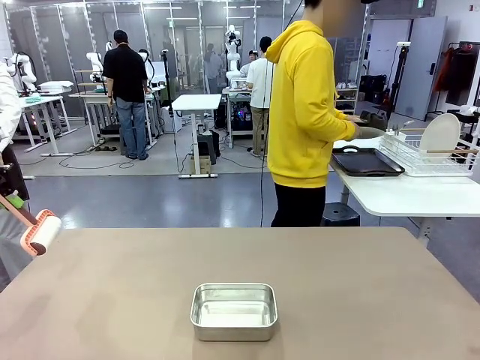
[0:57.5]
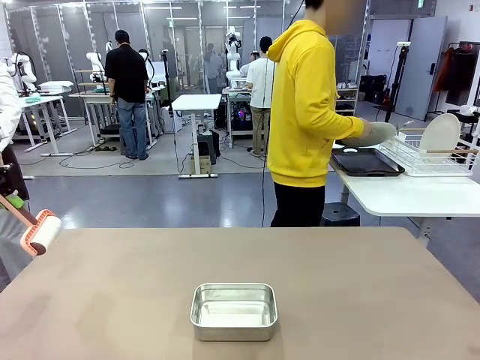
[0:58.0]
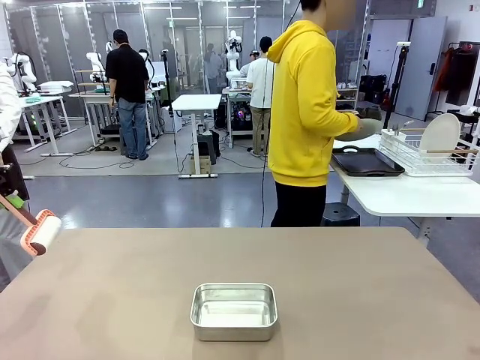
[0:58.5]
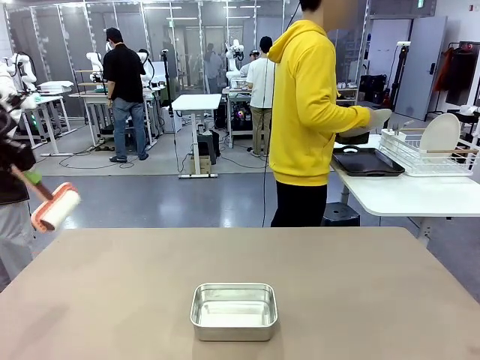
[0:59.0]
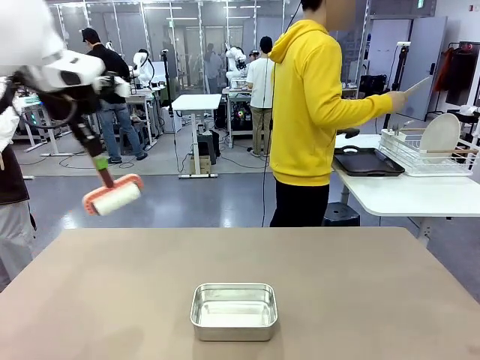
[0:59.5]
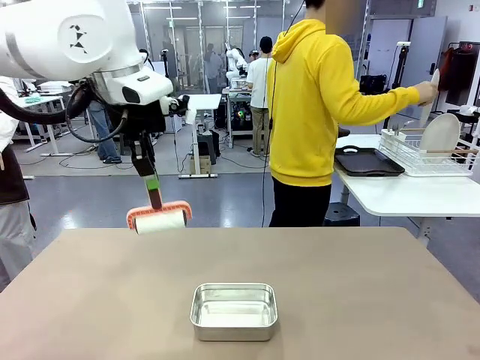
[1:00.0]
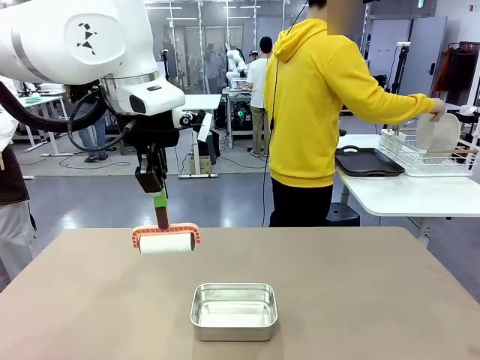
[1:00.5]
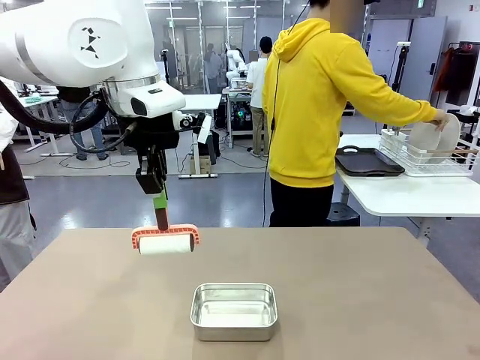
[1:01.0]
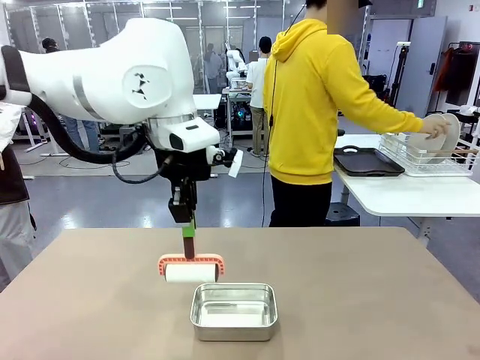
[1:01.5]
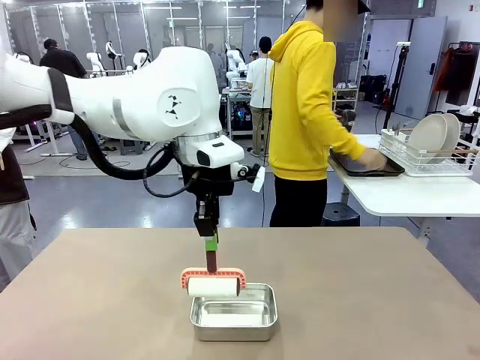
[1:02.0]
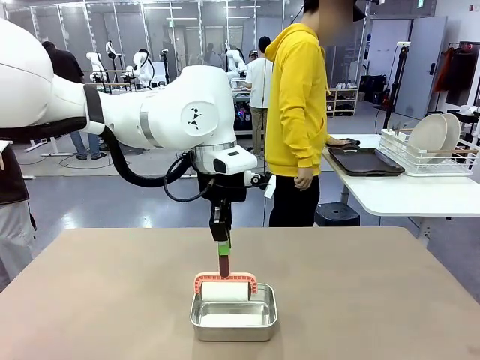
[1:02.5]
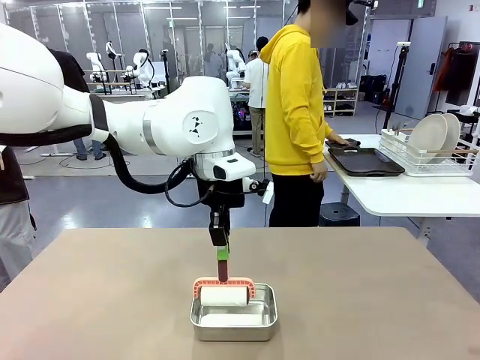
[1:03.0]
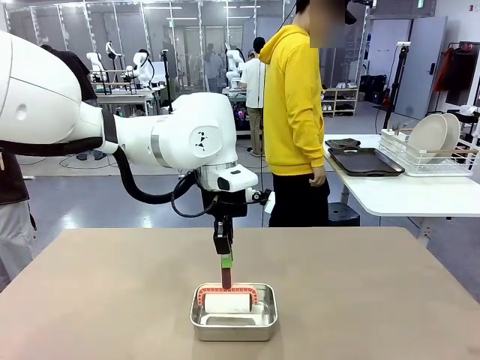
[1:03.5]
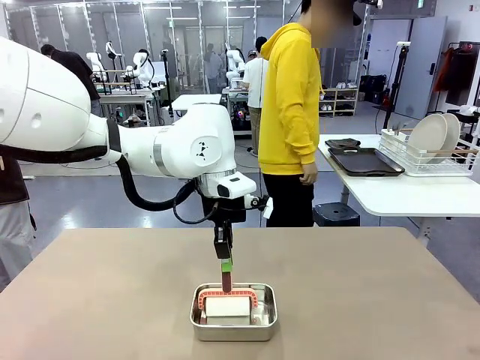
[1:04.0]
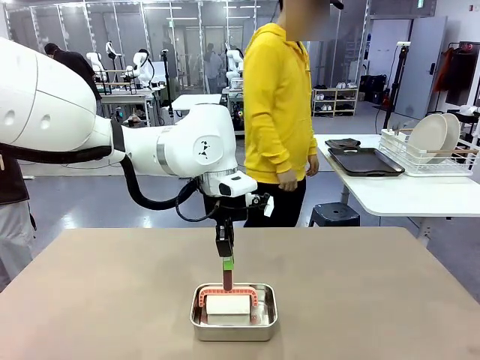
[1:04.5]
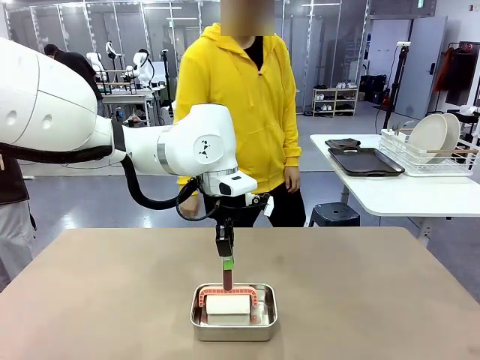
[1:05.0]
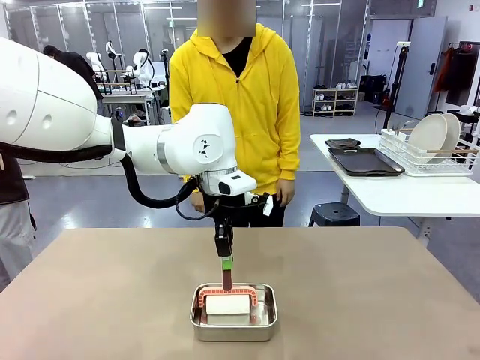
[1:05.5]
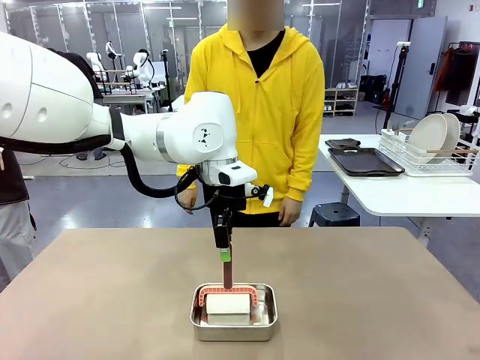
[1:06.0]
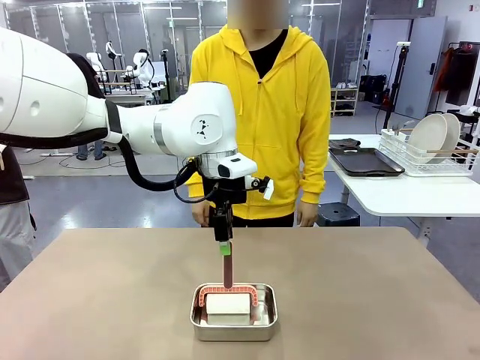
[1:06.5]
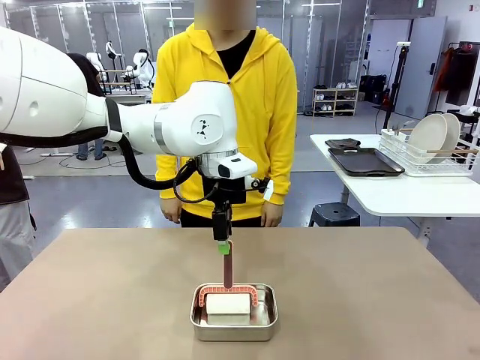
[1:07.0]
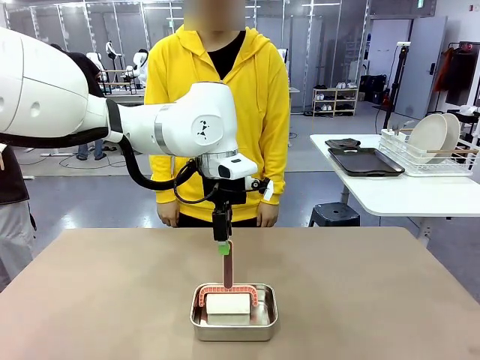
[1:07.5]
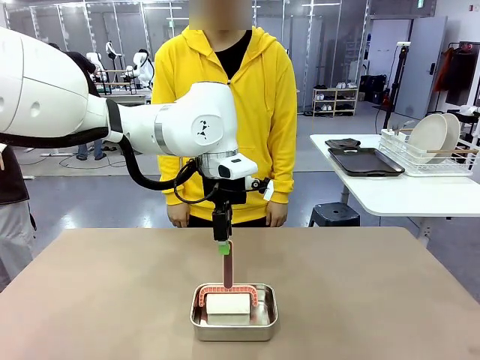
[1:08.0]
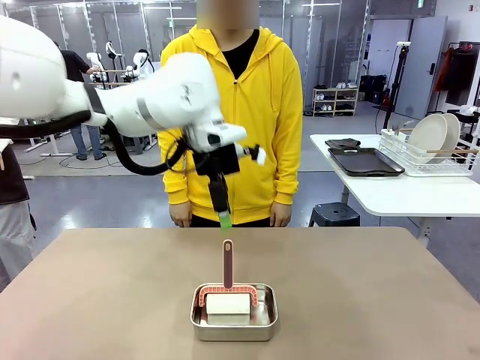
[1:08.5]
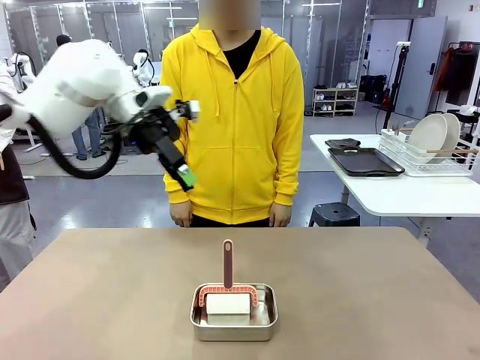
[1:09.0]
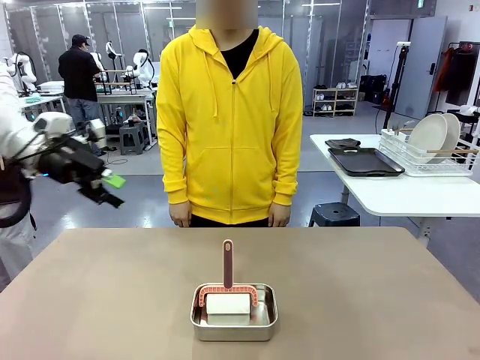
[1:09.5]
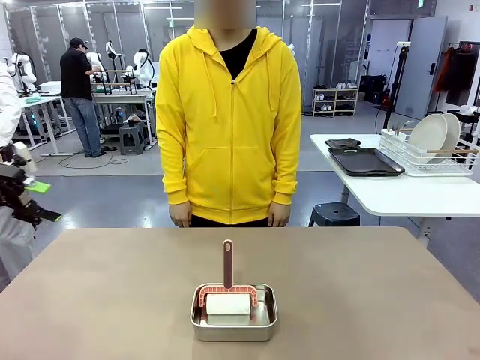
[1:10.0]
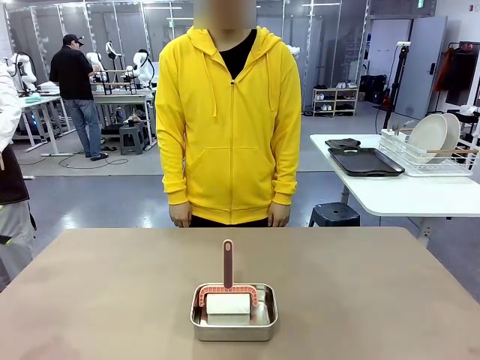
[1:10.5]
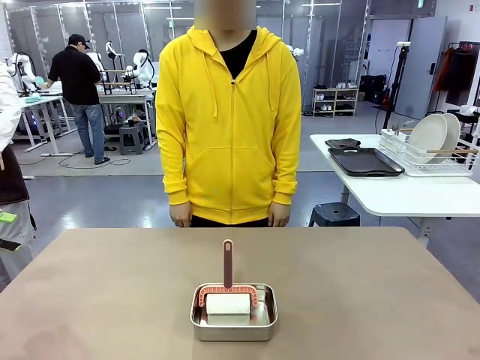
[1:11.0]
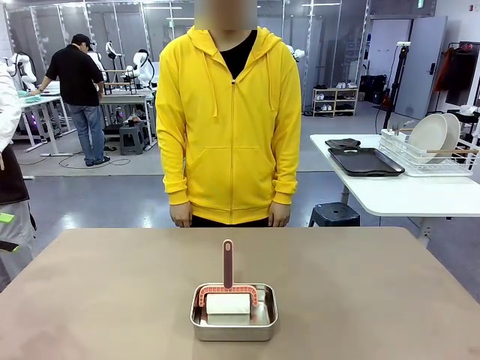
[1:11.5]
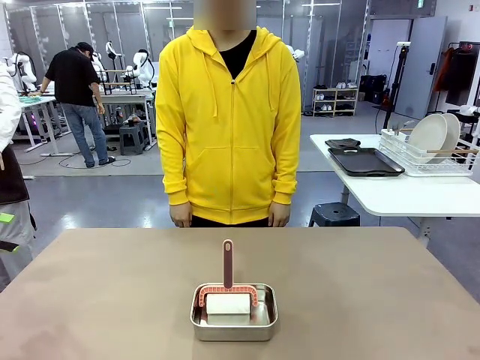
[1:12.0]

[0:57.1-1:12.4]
Robot: Place the Lint Roller back on top of the Airtight Container.

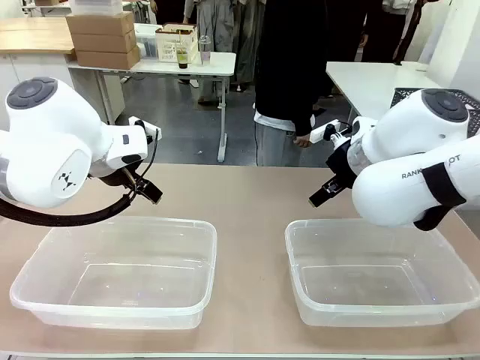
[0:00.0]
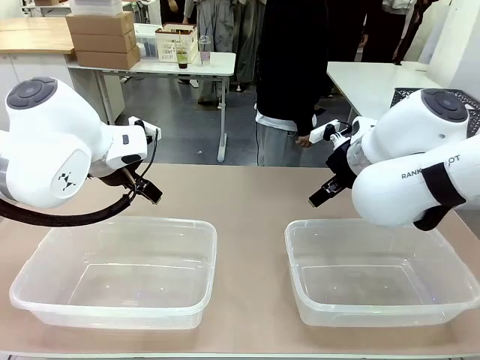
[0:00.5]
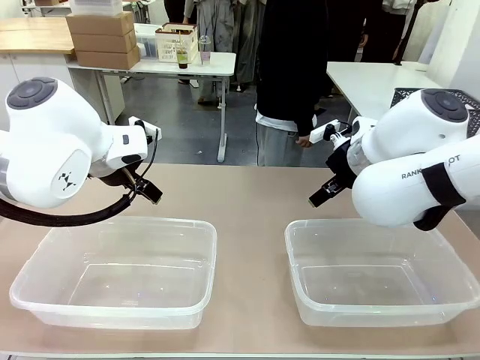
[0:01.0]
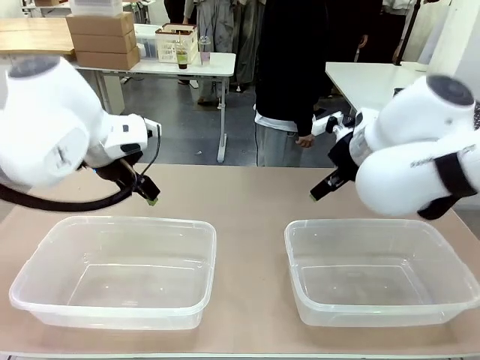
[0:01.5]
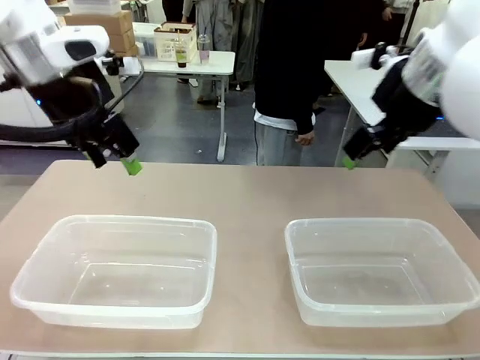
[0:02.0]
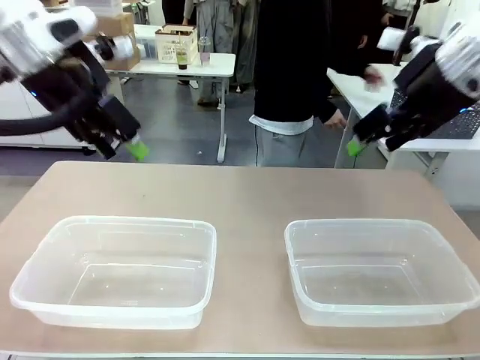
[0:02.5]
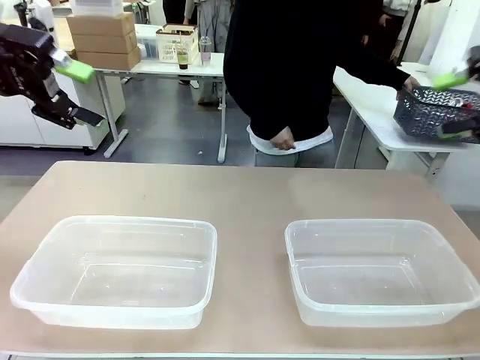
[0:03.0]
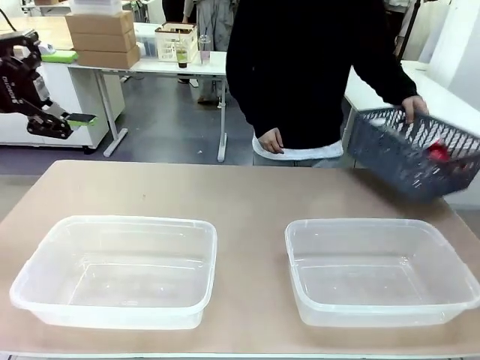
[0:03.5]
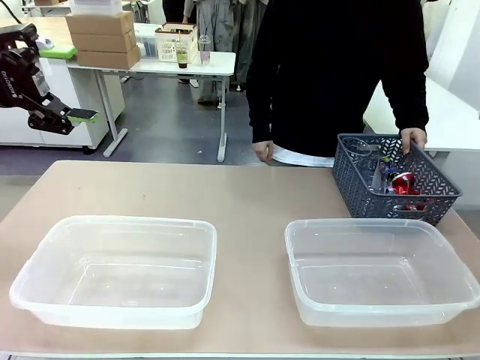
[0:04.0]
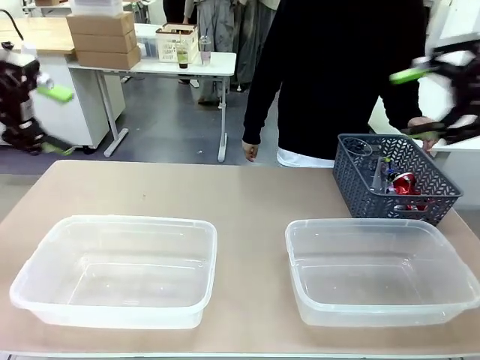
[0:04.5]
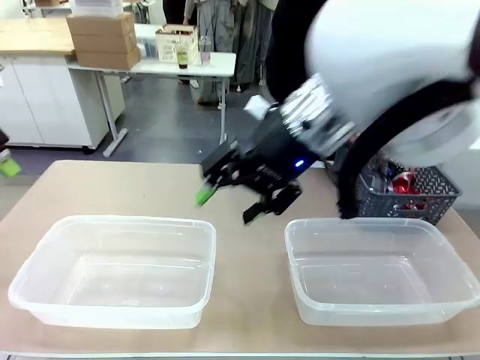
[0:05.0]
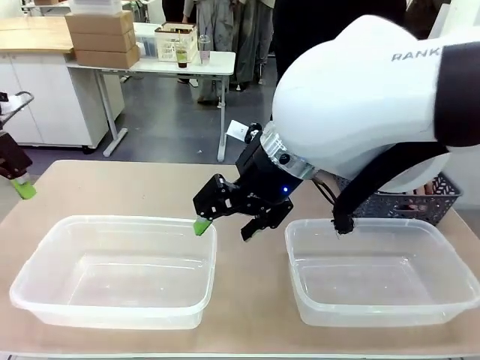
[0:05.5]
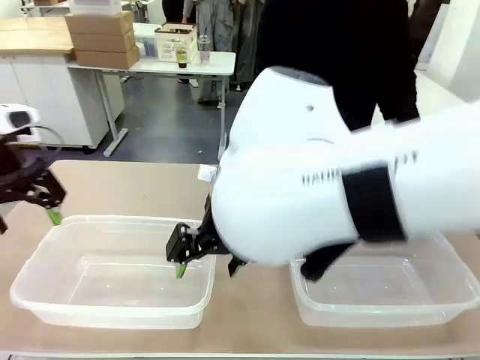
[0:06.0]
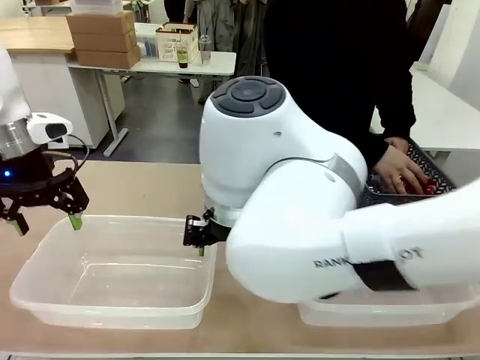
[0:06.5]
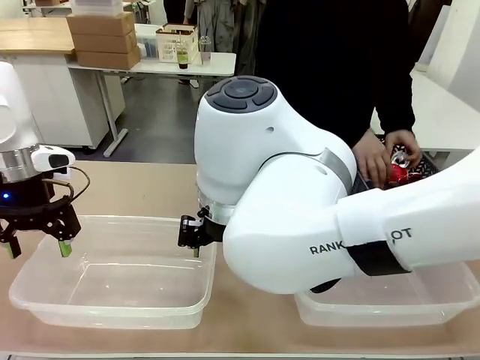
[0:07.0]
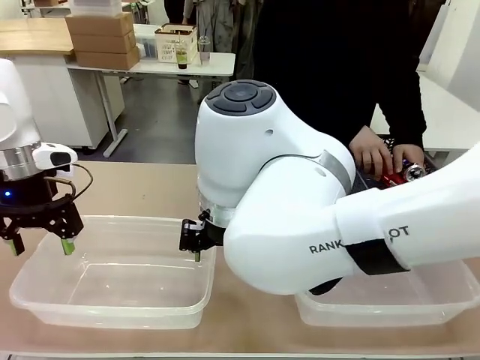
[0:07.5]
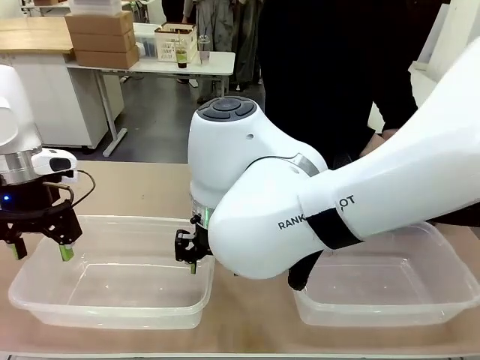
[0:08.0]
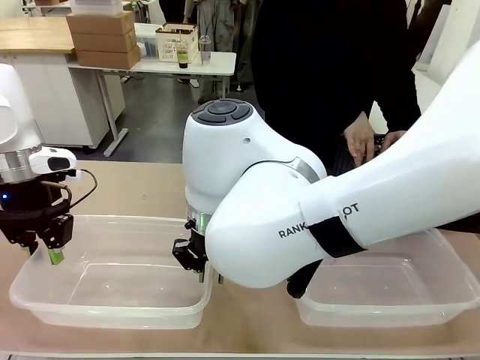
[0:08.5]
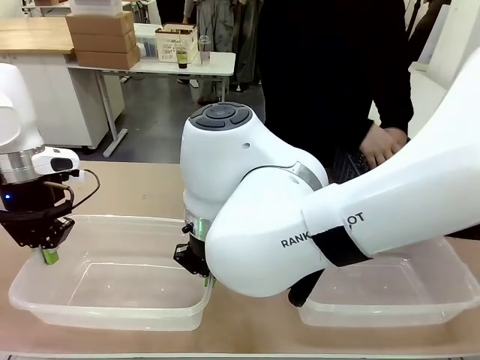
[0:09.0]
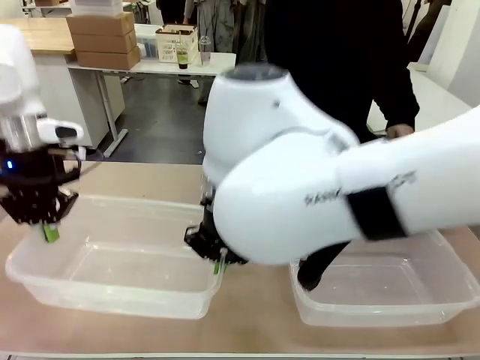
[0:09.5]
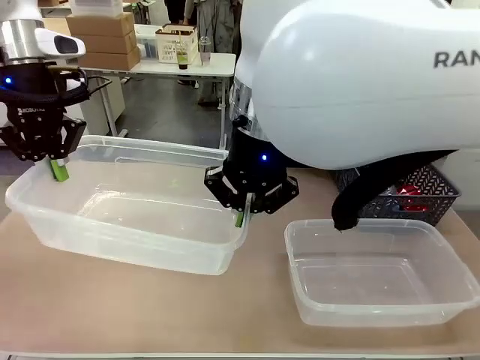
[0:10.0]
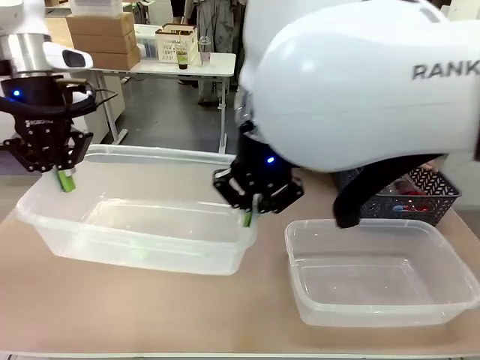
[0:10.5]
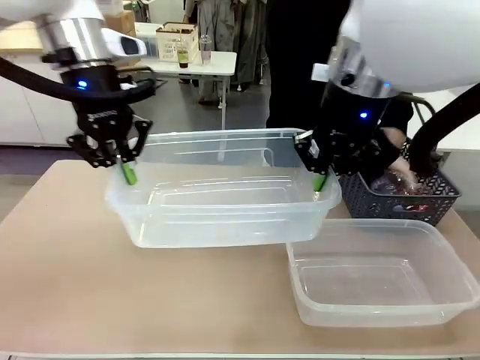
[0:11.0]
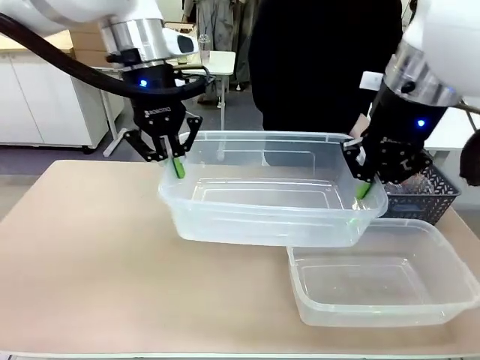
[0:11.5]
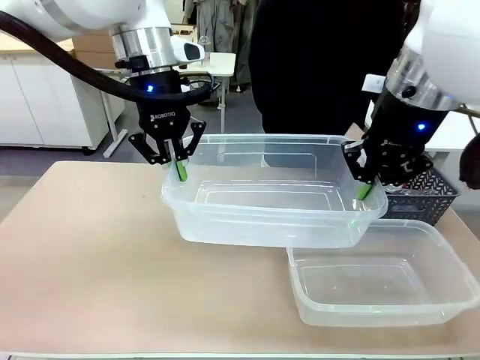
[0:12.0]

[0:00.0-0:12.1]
Robot: Pick up the Organizing box on the left side of the table and lift it.
Person: Pick up the storage basket and place it on the left side of the robot table. Pick up can-shaped waste one by one and place it into the organizing box lifted by the robot.
